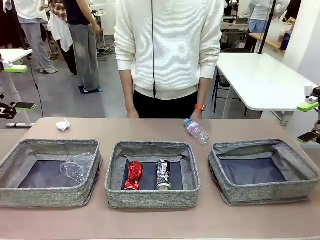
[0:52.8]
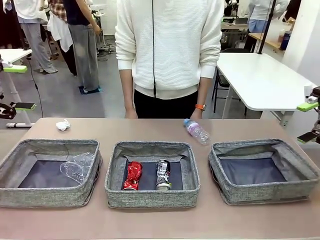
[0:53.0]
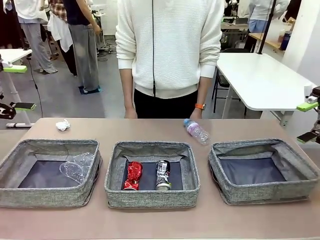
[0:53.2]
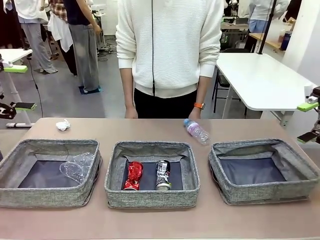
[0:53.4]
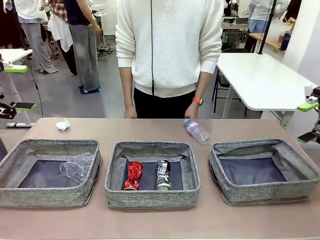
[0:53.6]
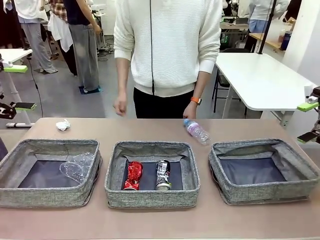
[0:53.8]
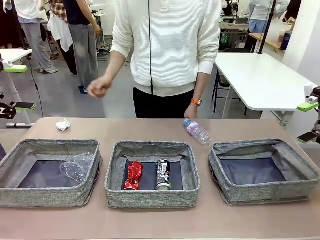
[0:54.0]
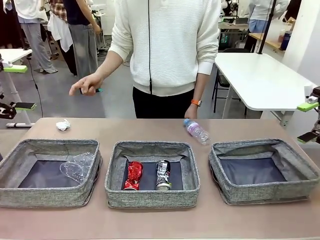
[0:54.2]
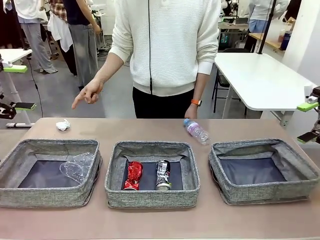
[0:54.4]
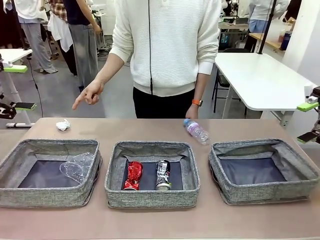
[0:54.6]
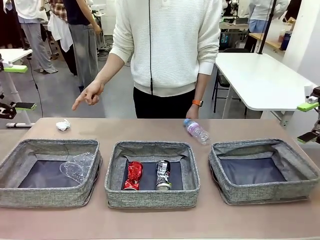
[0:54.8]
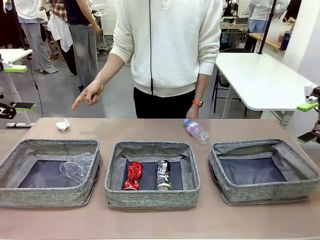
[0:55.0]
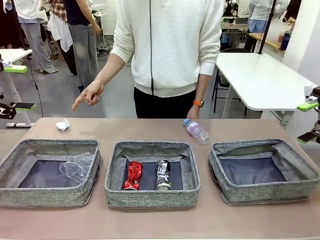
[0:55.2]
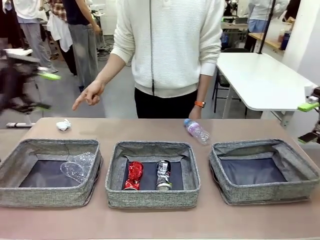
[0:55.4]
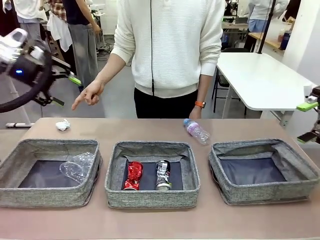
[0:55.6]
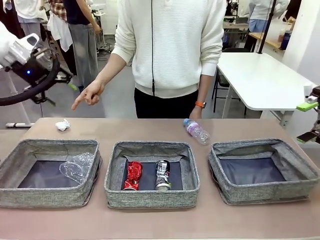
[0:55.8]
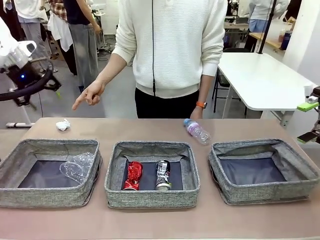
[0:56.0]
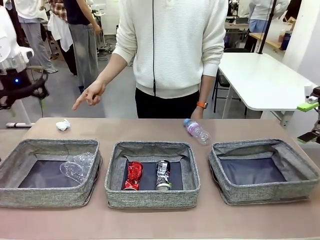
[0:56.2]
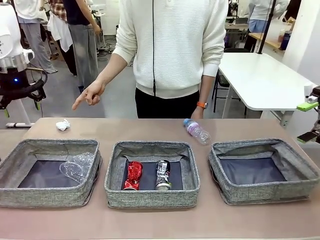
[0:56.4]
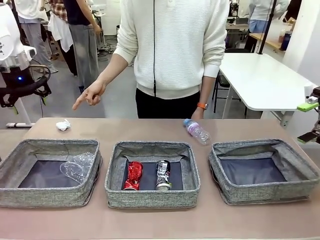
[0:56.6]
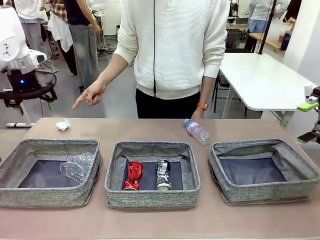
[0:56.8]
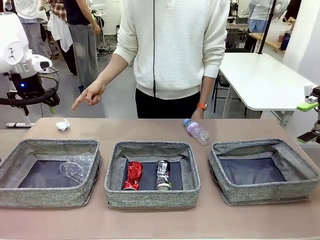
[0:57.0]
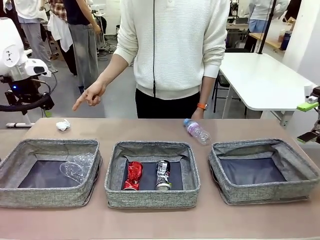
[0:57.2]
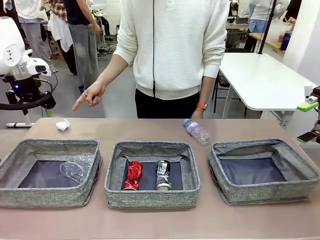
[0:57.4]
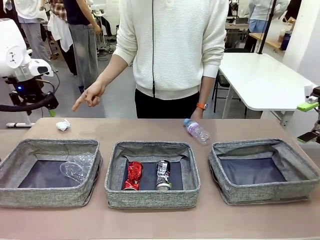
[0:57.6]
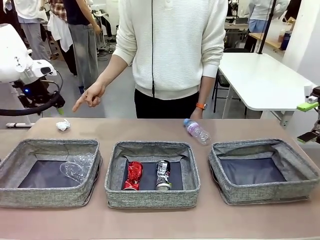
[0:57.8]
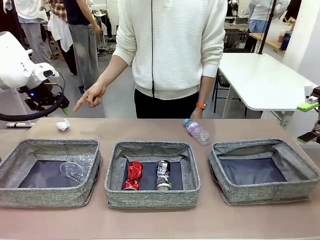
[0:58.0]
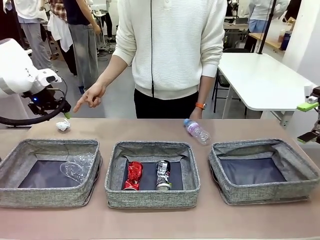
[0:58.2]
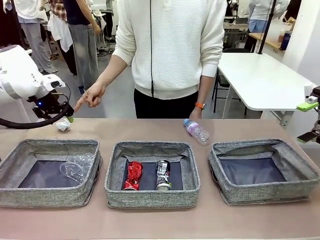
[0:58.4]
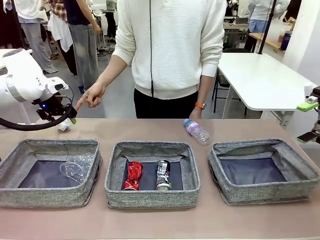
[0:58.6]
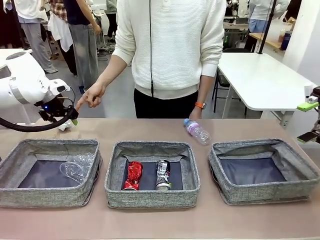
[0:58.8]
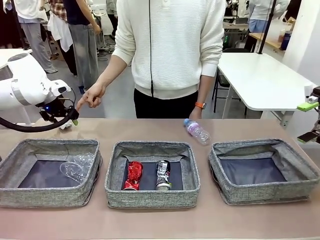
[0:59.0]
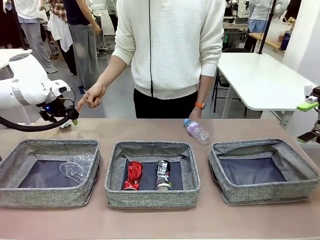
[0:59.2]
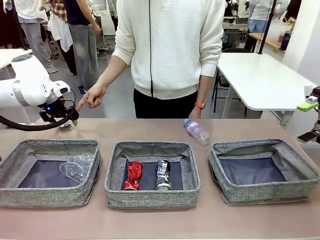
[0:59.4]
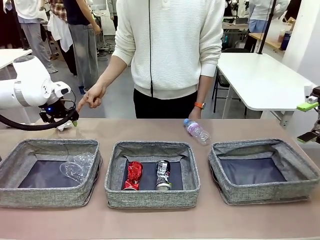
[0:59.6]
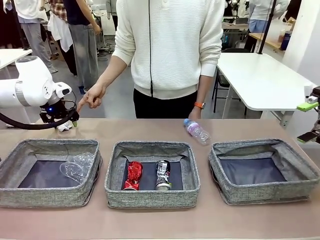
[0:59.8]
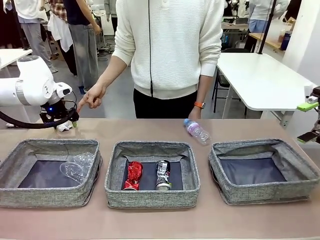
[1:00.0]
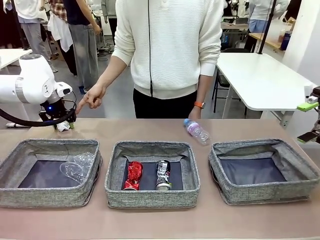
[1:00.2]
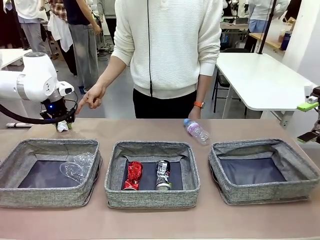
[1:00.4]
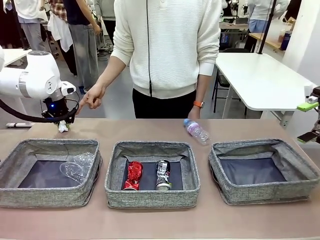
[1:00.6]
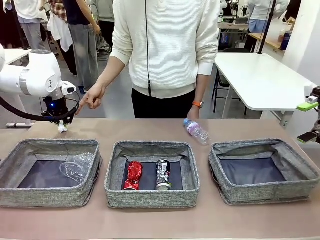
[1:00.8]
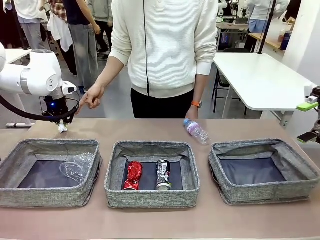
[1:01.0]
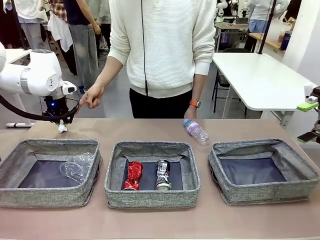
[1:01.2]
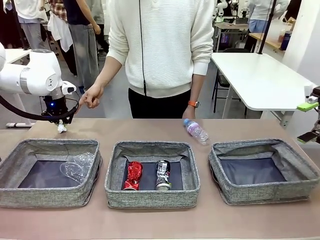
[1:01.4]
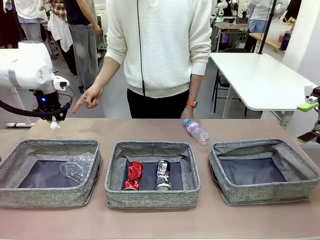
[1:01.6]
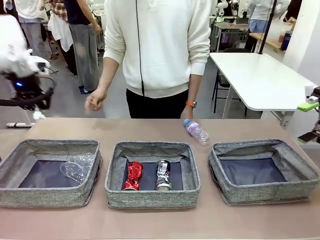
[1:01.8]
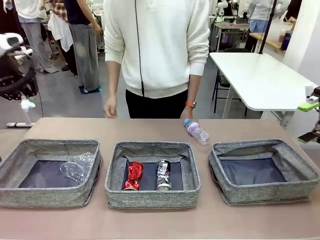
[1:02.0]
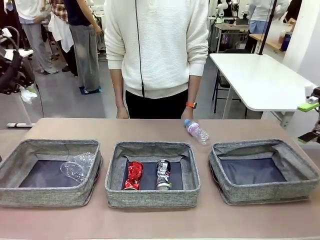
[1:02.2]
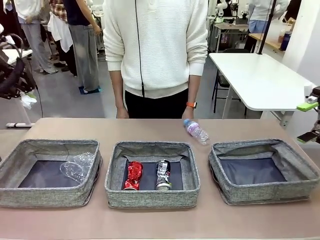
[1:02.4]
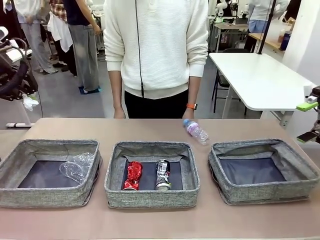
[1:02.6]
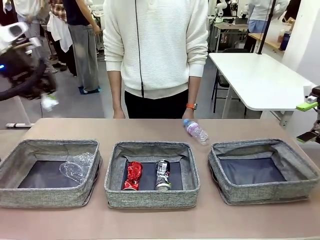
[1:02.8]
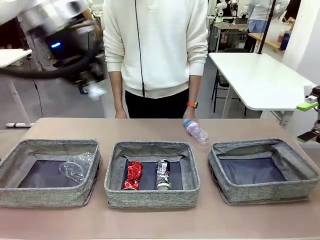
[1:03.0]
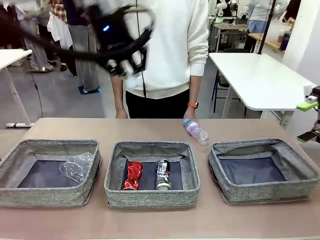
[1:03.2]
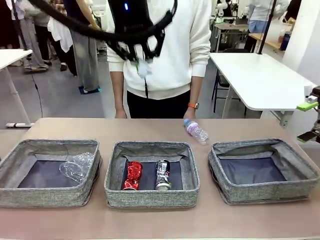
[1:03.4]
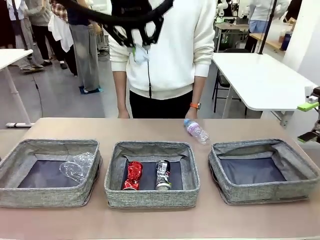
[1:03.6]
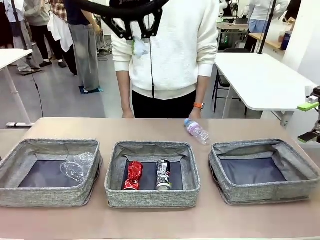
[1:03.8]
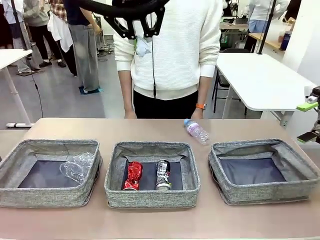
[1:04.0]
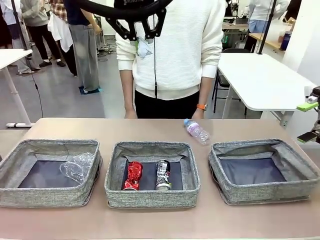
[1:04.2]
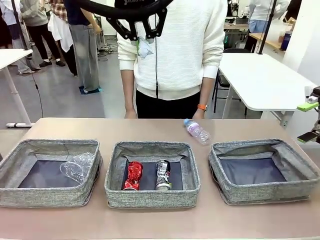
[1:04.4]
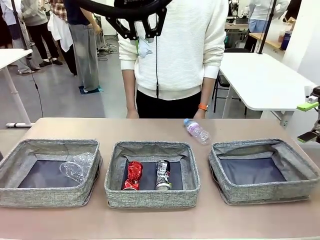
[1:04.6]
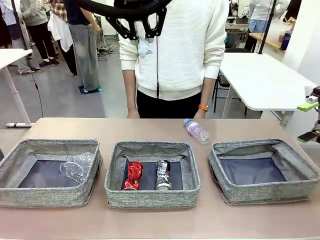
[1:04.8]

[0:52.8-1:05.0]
Task: Sort the waste into the appropriate baskets.
Robot: Pick up the waste item pointed out by the person.
Person: Points to one piece of trash on the table.

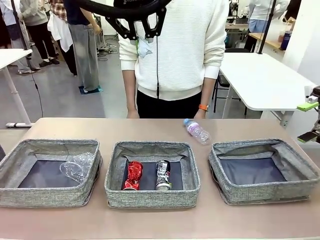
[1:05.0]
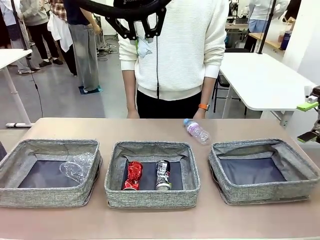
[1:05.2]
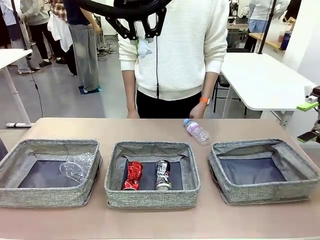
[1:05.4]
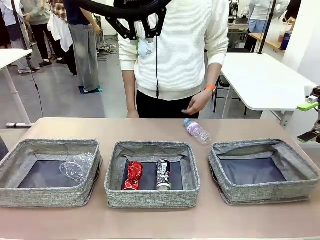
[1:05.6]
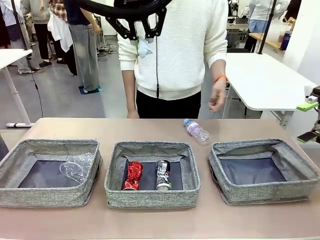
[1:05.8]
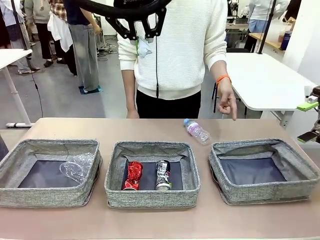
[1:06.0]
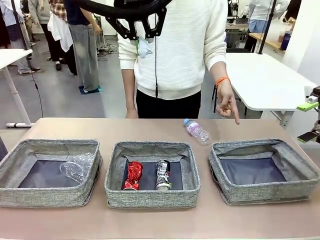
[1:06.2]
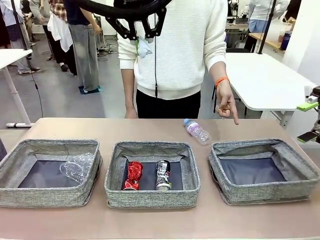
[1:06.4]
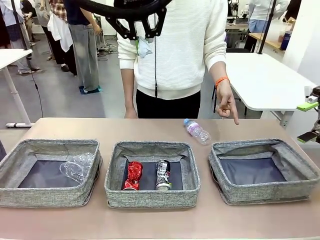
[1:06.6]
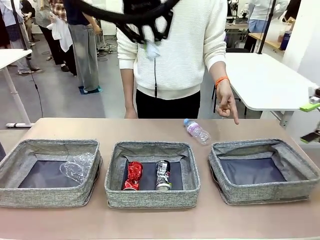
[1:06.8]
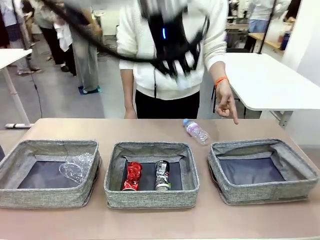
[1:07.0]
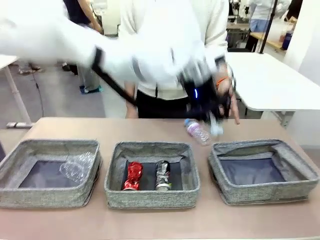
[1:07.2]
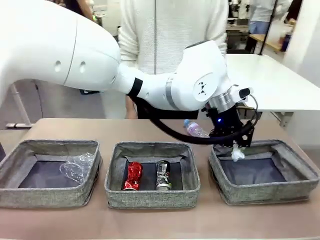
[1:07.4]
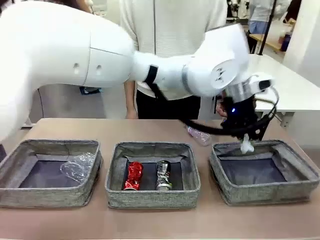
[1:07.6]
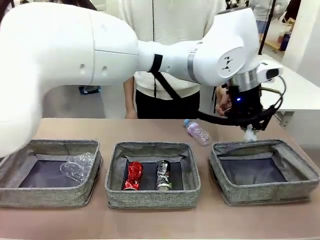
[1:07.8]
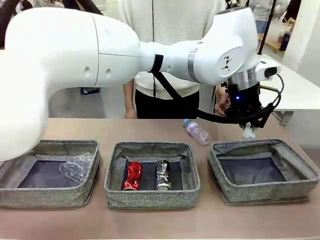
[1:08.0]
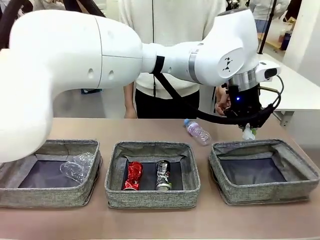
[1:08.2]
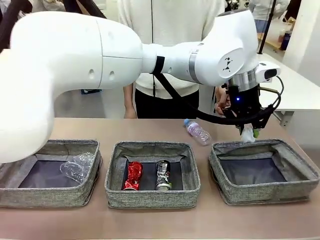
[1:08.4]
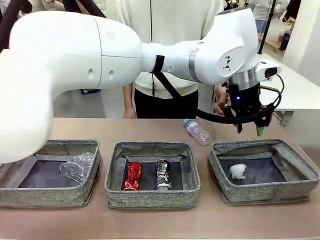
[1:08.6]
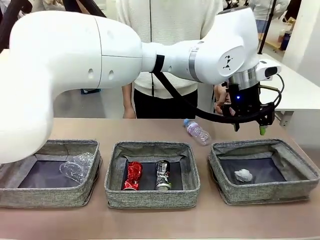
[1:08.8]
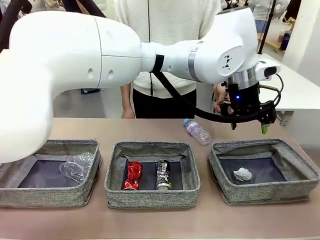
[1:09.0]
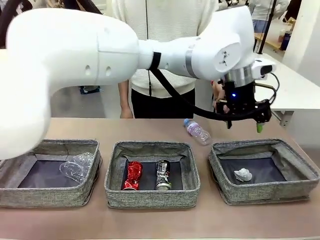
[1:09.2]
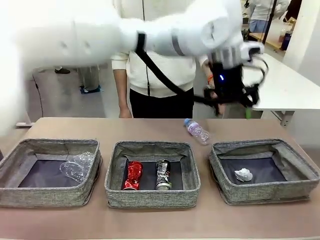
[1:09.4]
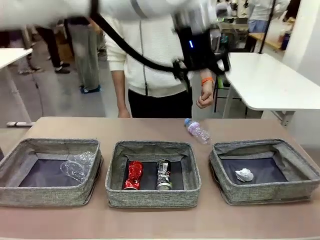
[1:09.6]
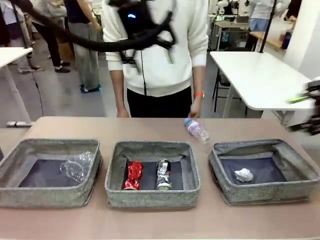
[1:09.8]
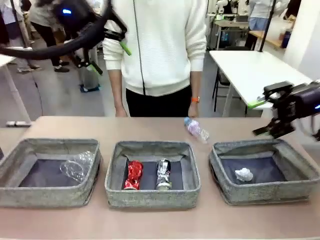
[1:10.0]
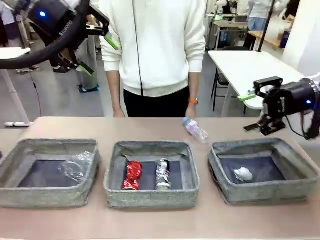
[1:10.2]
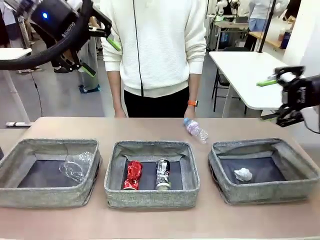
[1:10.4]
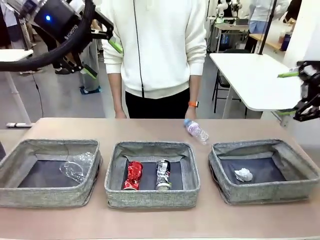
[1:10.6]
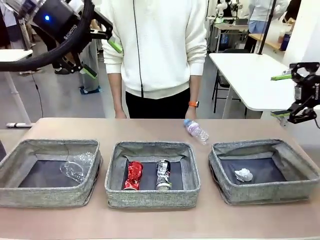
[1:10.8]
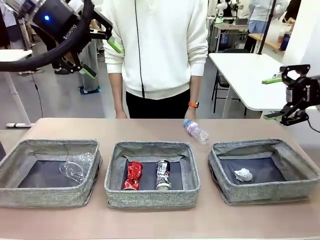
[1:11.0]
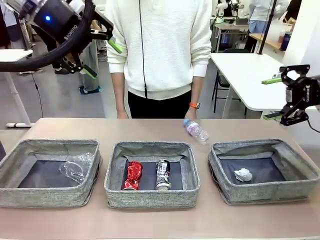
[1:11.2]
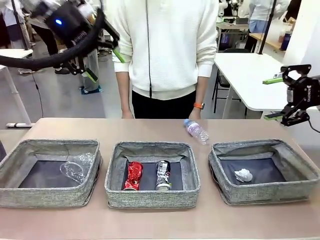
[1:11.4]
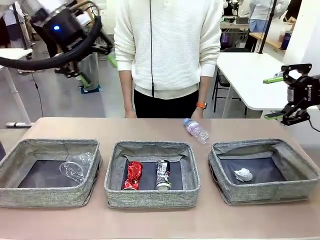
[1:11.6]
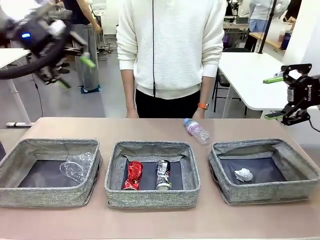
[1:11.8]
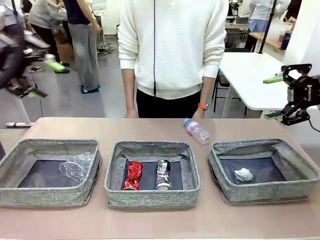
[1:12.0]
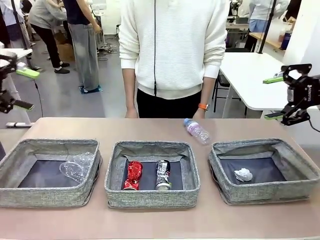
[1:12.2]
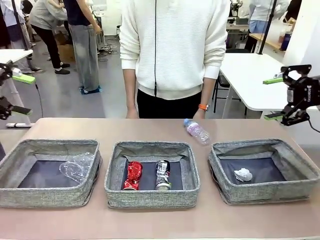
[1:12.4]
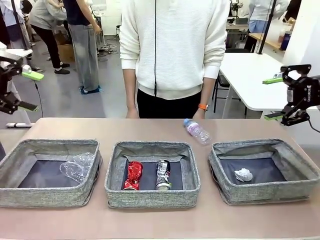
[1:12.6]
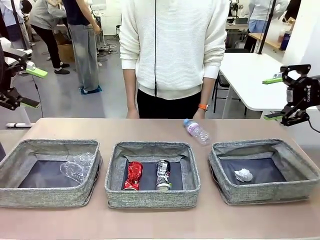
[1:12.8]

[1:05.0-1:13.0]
Robot: Place the picked waste into the Fabric basket indicated by the person.
Person: Instructs the robot to place the picked-up trash into the appropriate organizing basket.
